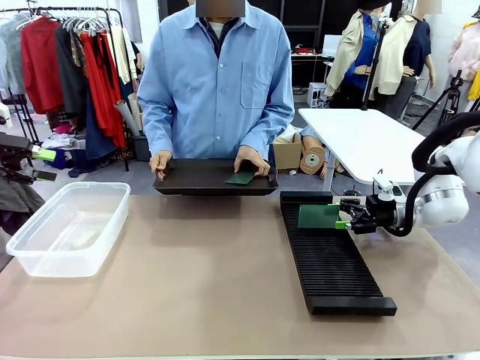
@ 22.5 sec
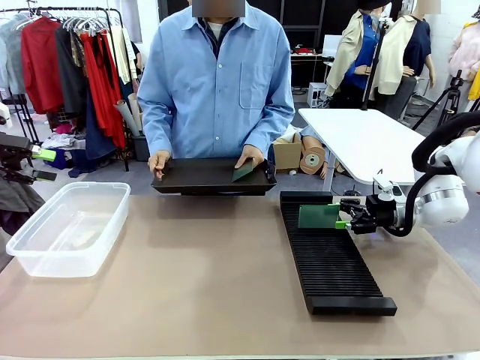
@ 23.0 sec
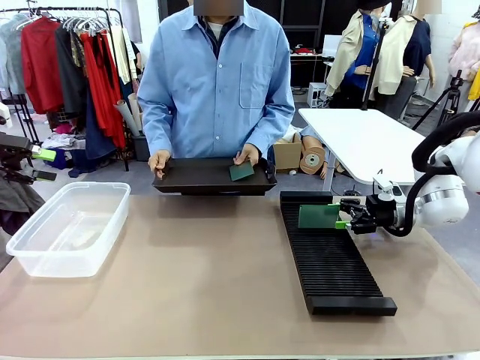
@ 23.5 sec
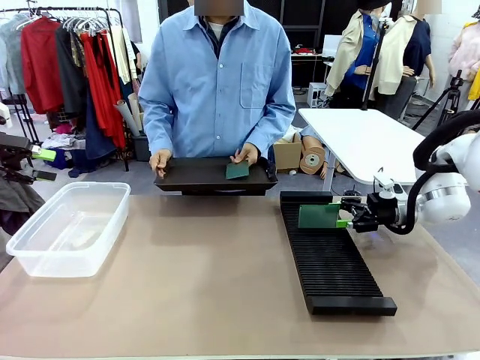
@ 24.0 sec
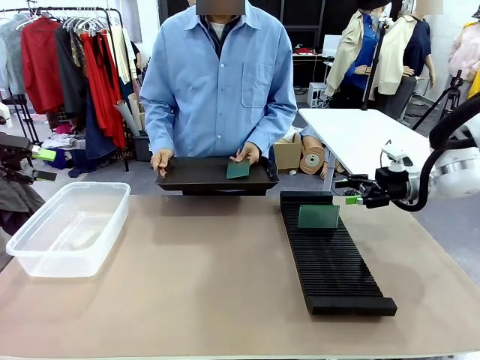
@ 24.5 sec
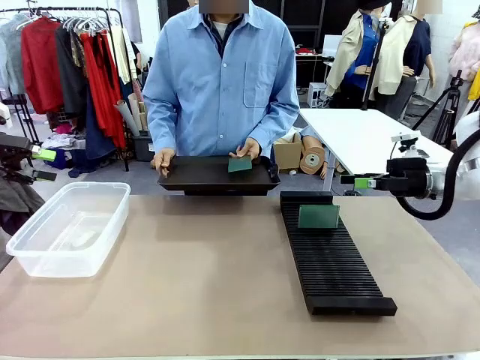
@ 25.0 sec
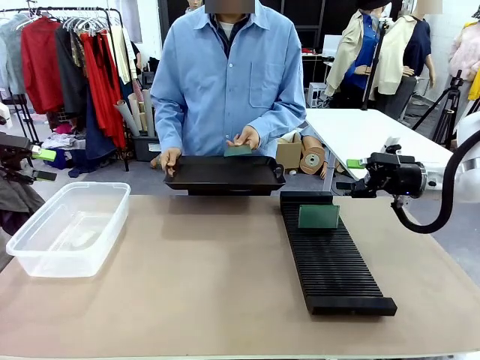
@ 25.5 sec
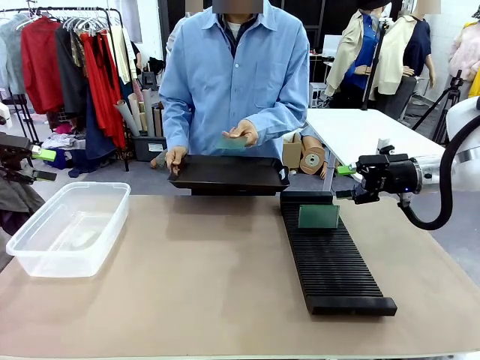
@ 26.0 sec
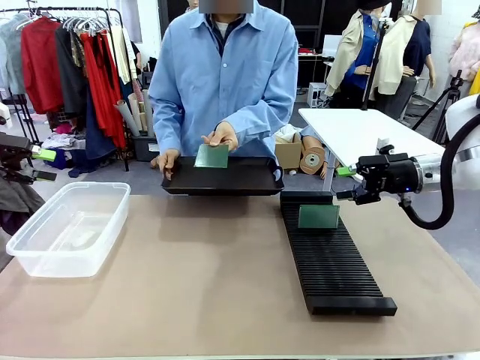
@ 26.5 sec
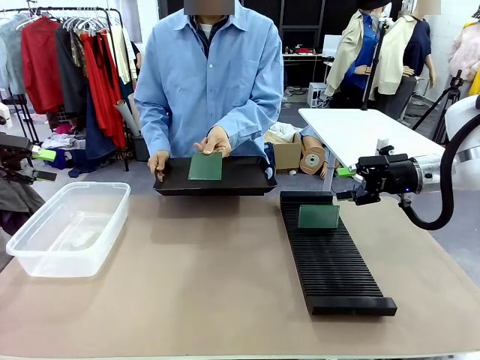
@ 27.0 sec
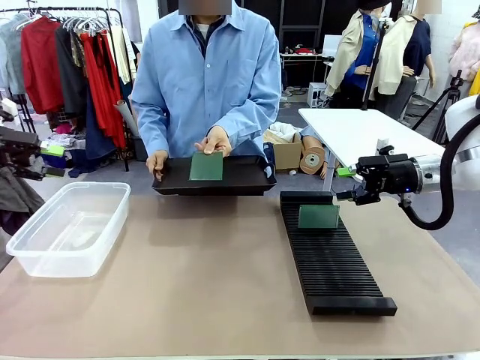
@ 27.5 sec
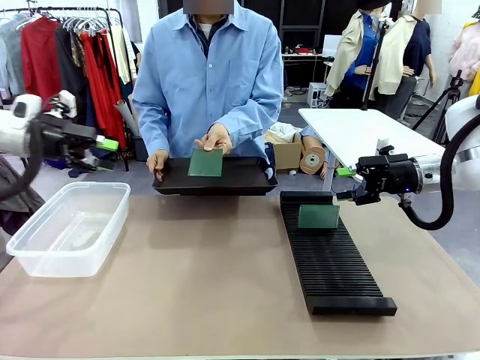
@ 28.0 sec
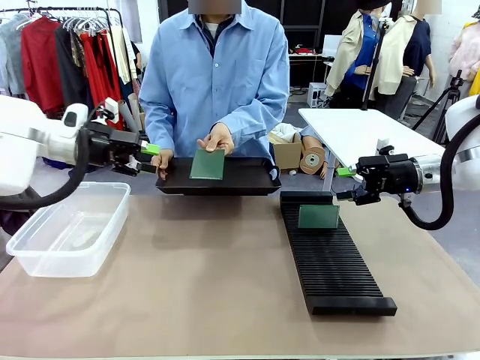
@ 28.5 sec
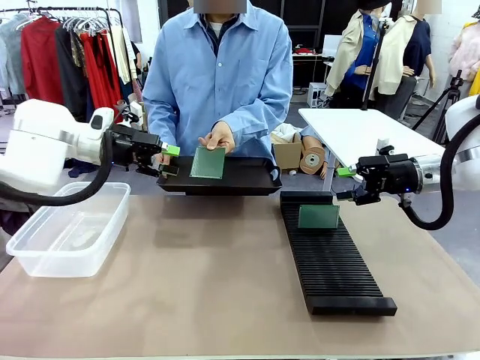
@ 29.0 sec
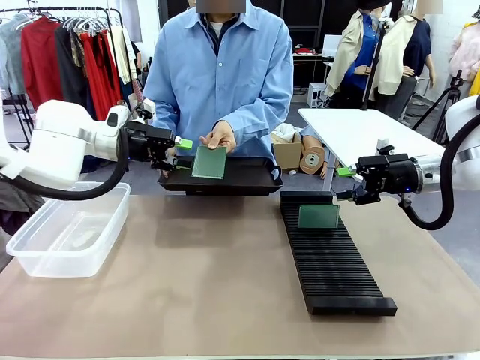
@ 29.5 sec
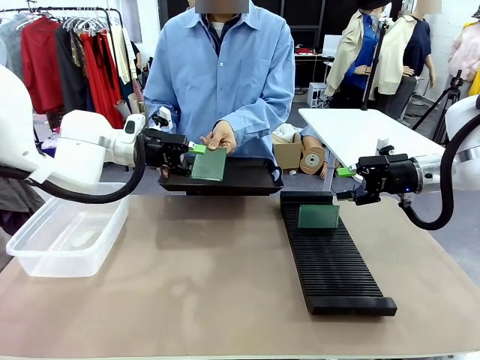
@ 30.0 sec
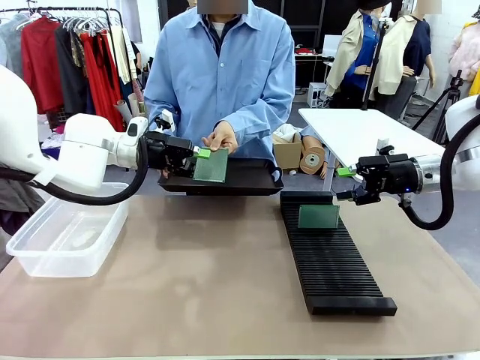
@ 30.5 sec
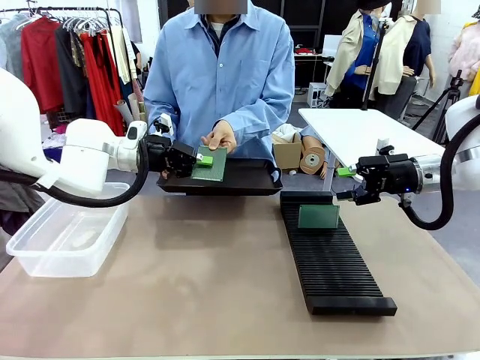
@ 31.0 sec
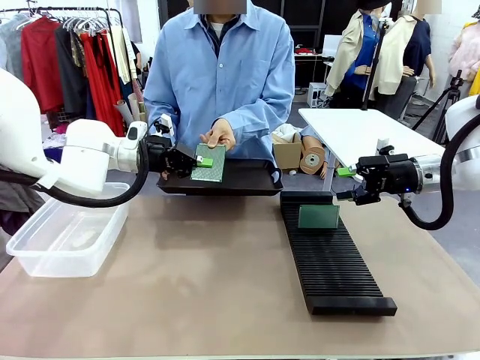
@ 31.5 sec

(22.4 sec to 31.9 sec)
Task: Sort PCBs into racks and boxes based on the side picked up.
Robot: Pick up the Blank PCB handed by the Human.

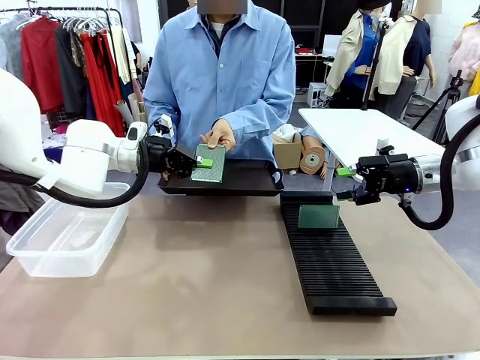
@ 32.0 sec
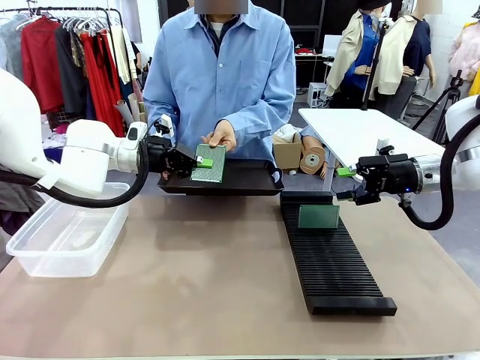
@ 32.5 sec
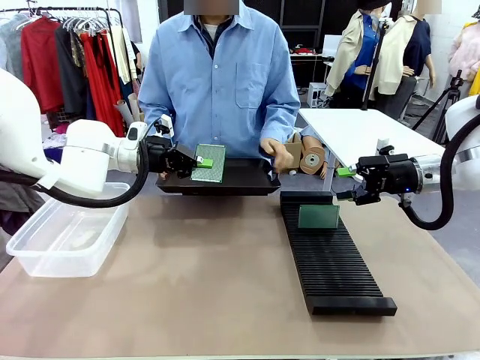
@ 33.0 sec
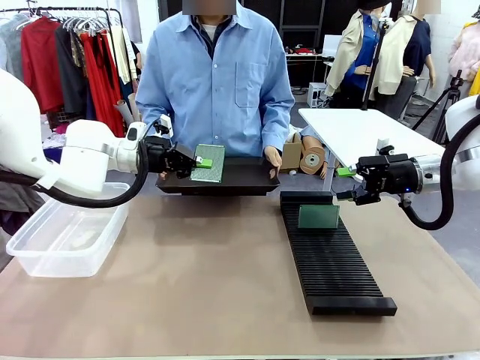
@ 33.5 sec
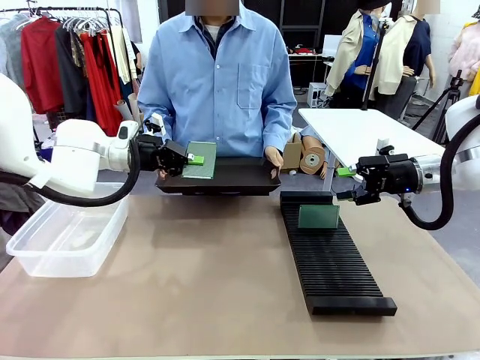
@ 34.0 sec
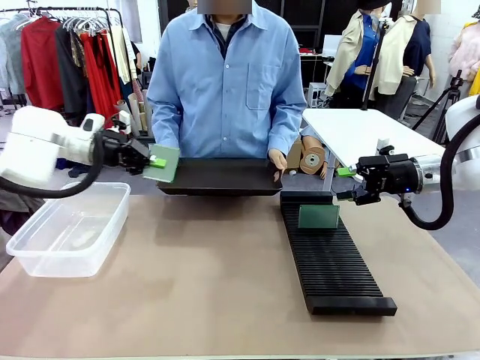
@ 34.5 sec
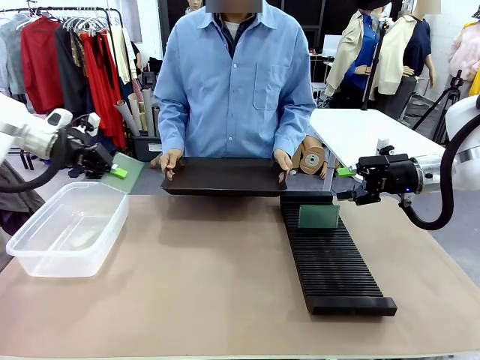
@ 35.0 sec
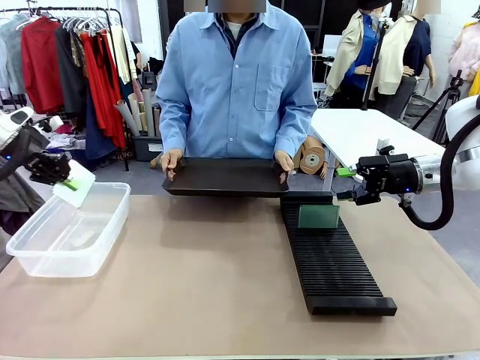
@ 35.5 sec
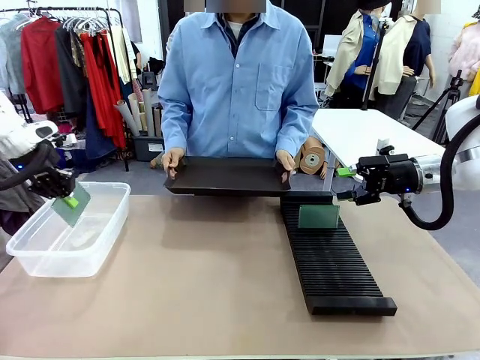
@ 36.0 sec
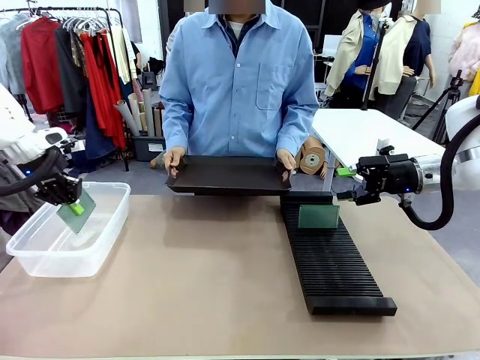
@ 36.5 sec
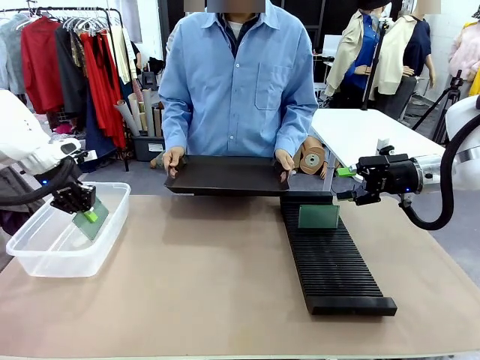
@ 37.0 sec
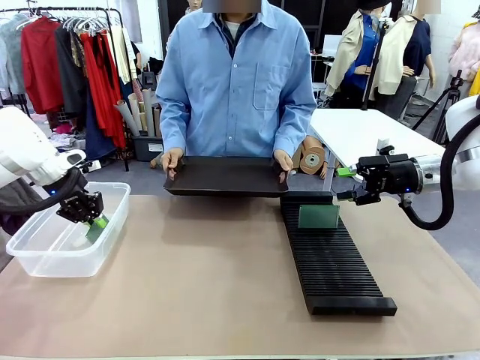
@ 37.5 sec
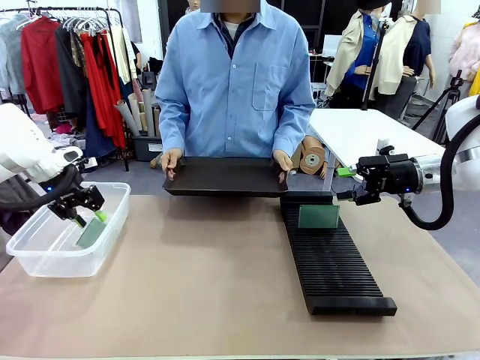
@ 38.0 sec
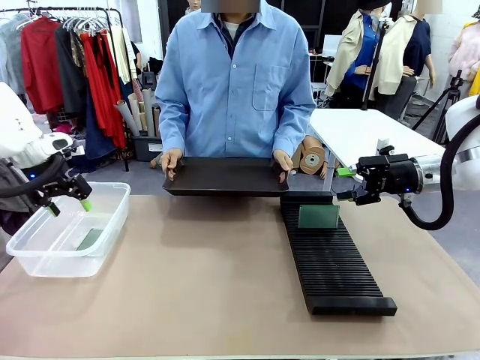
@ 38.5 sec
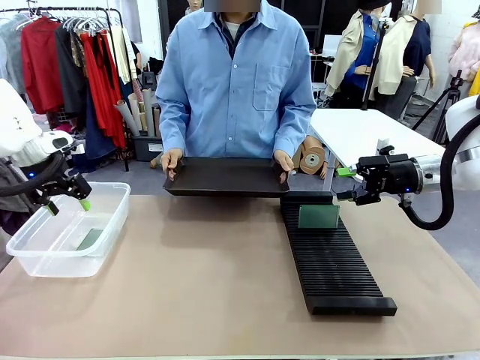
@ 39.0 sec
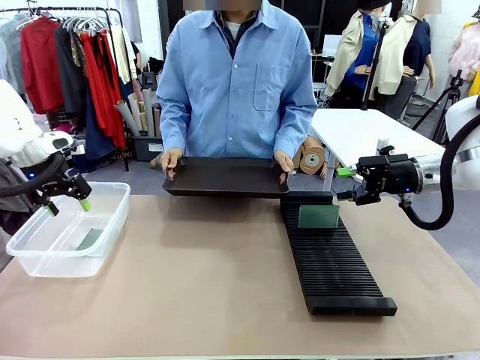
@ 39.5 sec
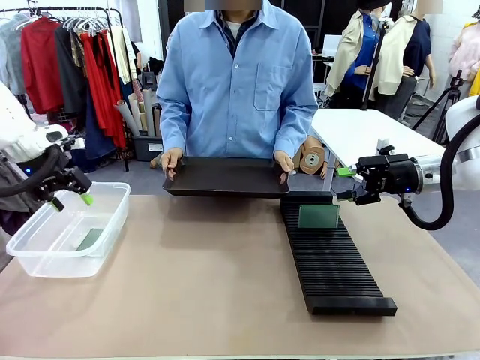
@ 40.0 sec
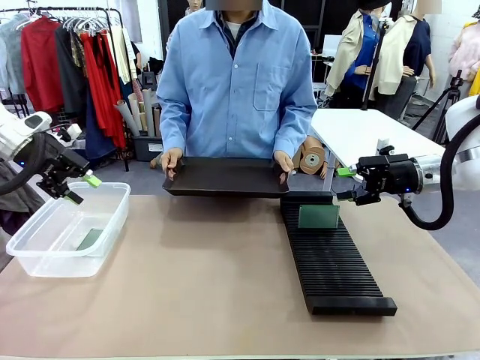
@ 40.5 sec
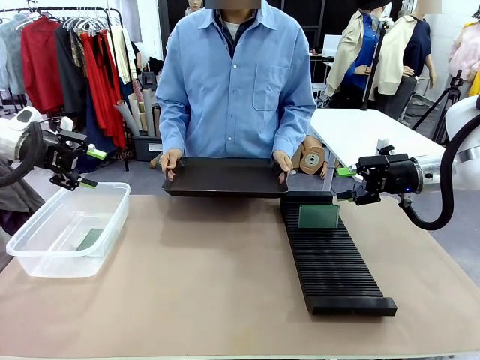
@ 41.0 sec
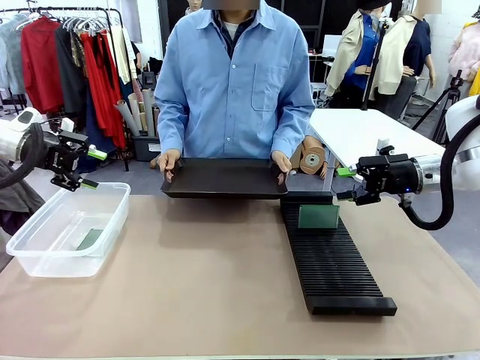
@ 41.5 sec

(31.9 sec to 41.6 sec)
Robot: If the short side of the Blank PCB is picked up, insert it into the PCB Rack ; if the long side is picked up, place it in the Organizing box.
Person: Release the PCB being held.

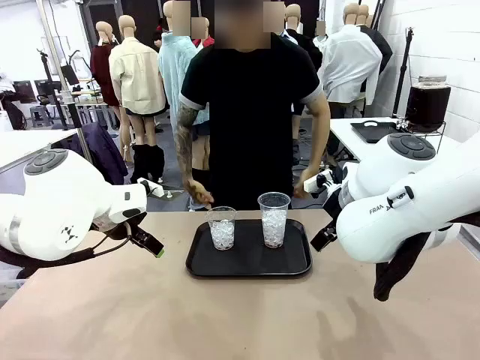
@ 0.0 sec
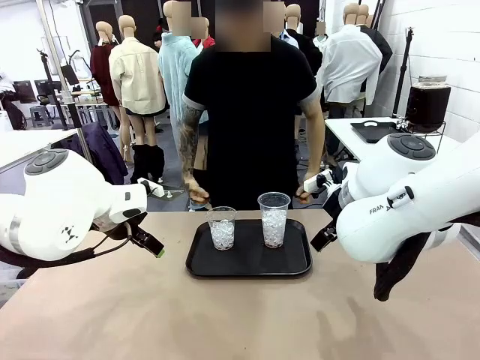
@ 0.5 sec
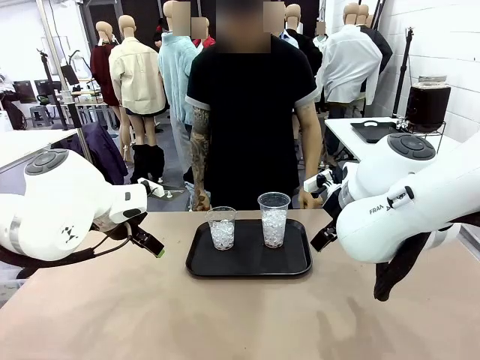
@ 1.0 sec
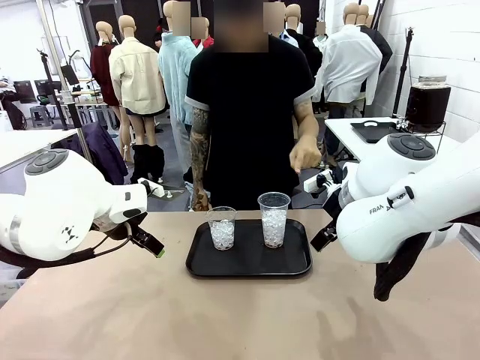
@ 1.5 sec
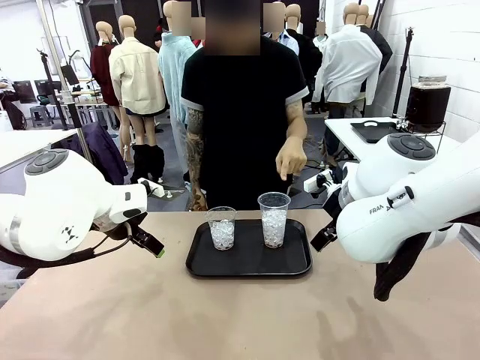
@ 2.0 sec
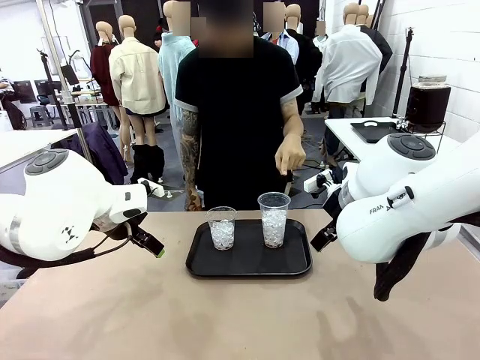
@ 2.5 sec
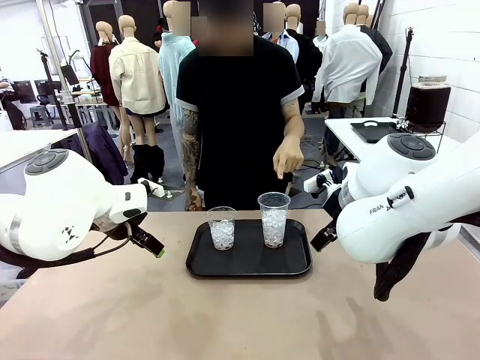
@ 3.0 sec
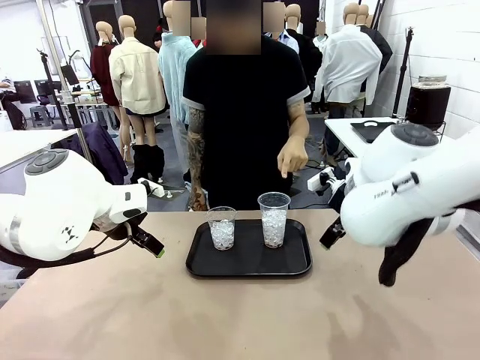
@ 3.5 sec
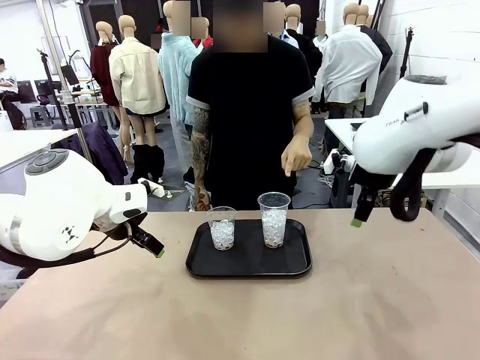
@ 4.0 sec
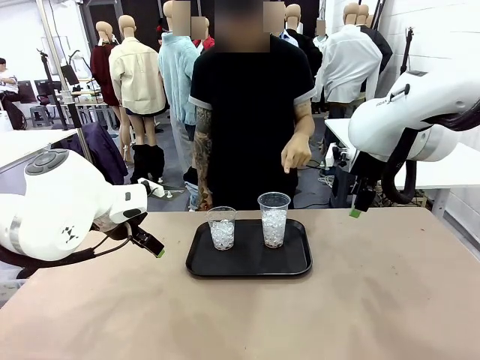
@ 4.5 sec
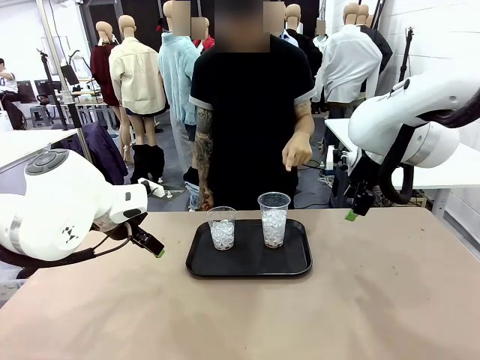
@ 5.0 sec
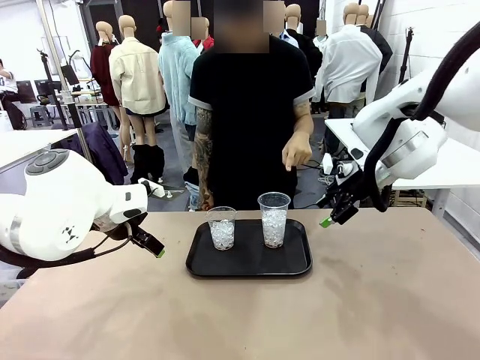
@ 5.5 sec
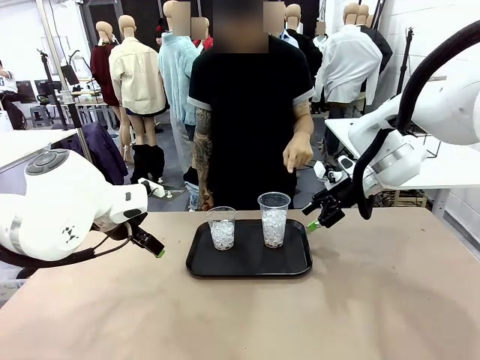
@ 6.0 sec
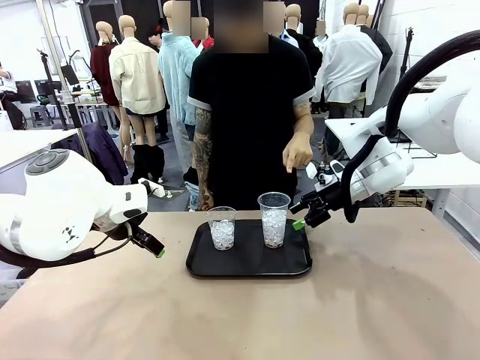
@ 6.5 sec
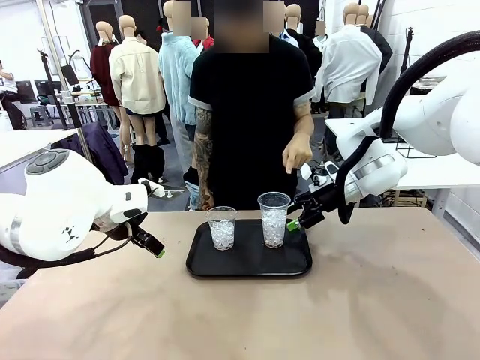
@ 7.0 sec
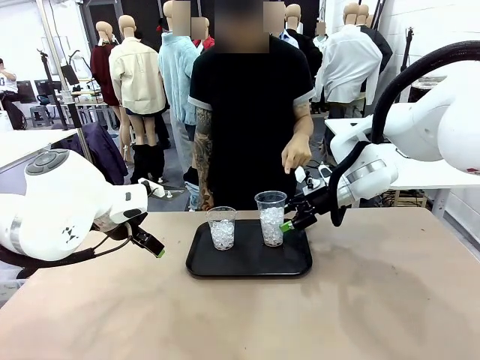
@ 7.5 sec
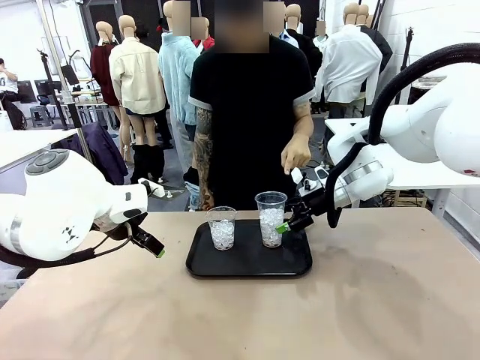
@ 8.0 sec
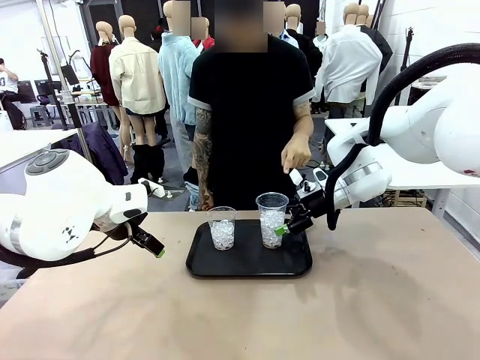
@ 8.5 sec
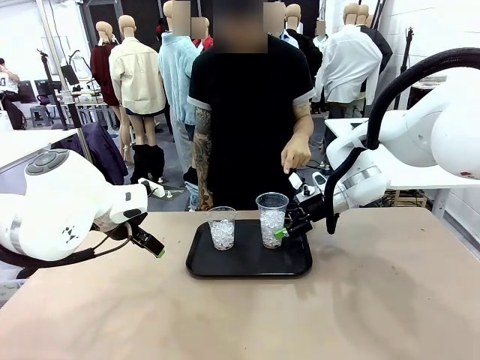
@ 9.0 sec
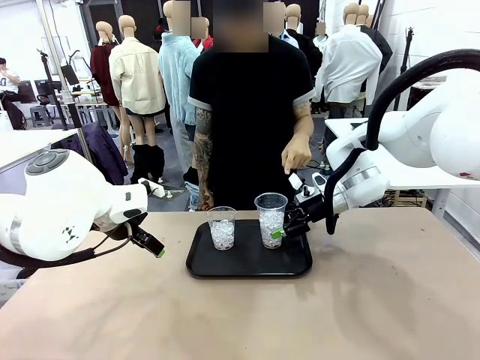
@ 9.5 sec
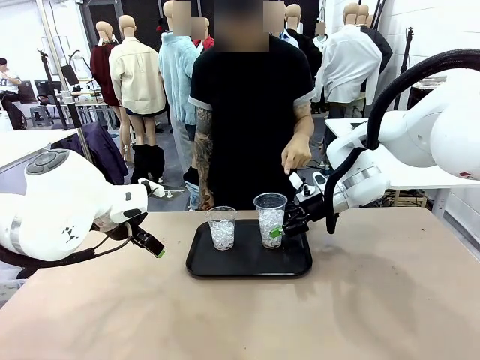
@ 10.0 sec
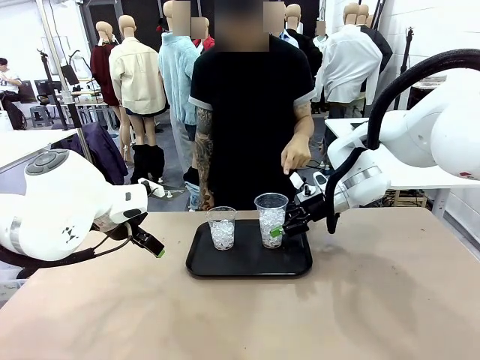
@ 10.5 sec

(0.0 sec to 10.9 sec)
Task: Pour the drink into the iced cup.
Robot: Pick up the iced cup indicated by the human and present it to them.
Person: Point to one of the two ice cups. Pick up the cup offered by the robot.
